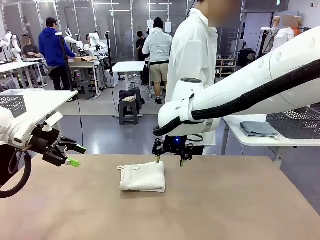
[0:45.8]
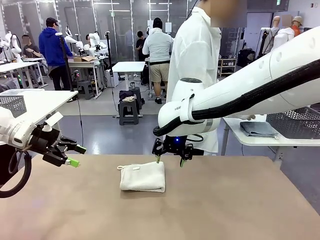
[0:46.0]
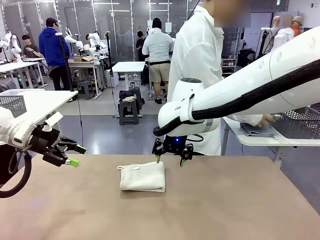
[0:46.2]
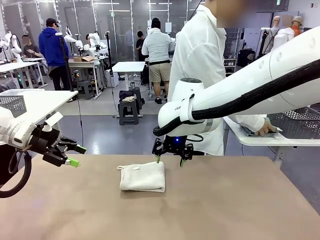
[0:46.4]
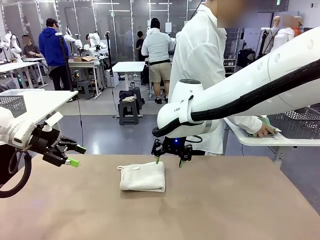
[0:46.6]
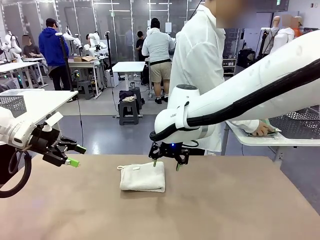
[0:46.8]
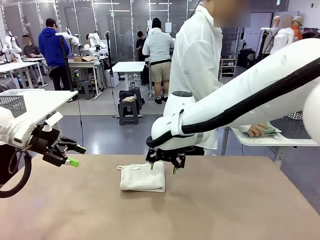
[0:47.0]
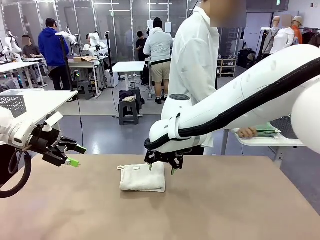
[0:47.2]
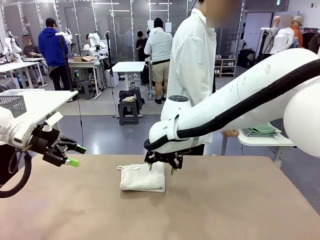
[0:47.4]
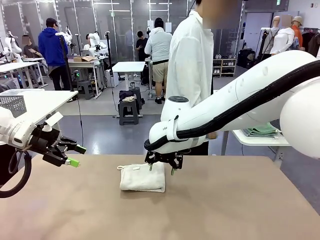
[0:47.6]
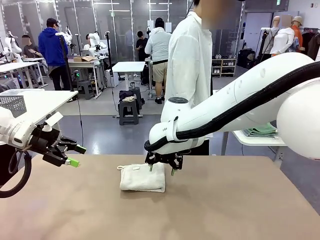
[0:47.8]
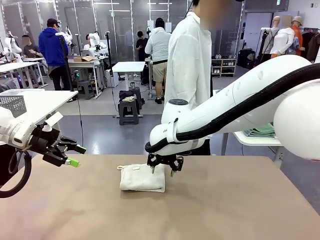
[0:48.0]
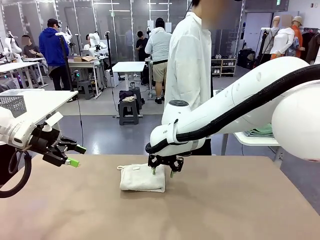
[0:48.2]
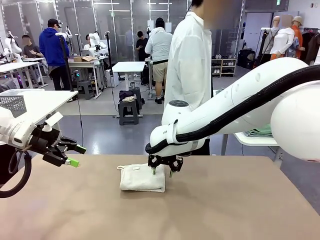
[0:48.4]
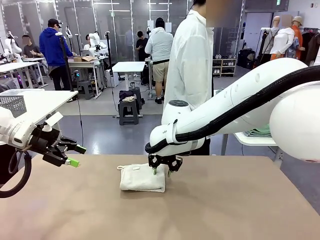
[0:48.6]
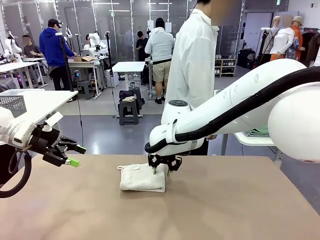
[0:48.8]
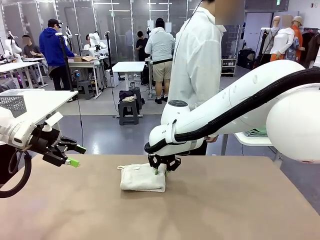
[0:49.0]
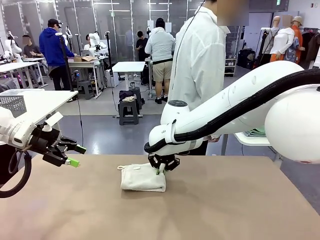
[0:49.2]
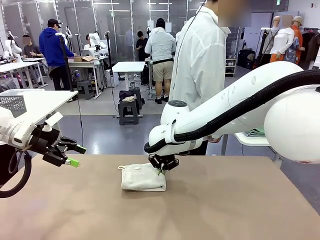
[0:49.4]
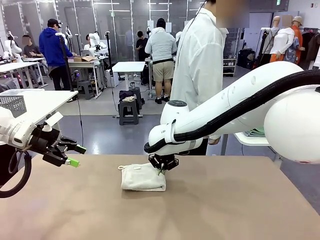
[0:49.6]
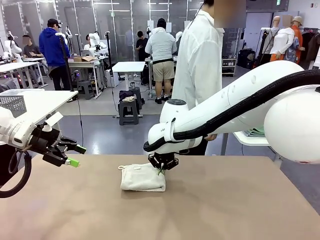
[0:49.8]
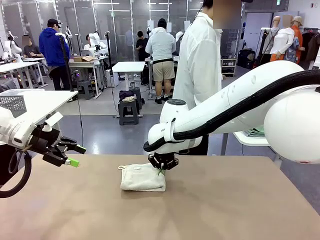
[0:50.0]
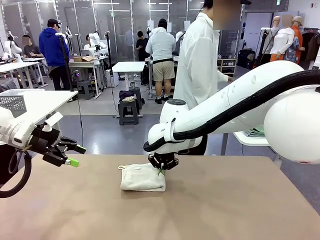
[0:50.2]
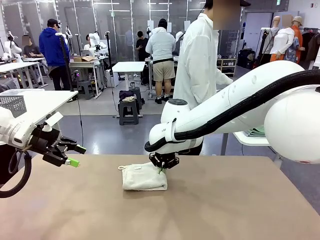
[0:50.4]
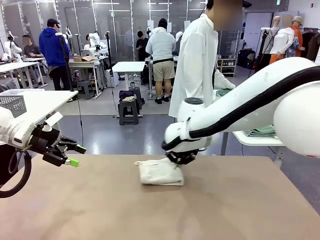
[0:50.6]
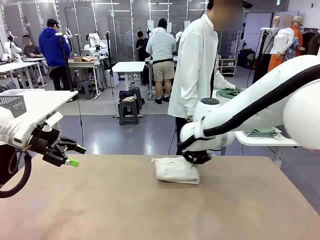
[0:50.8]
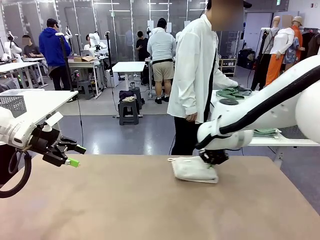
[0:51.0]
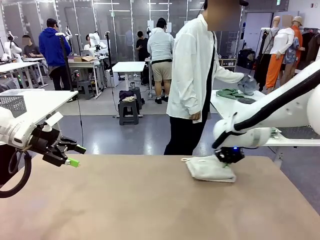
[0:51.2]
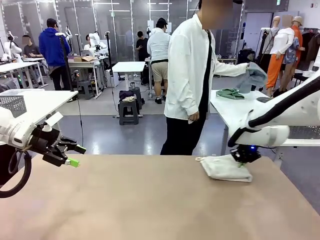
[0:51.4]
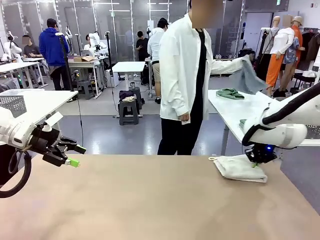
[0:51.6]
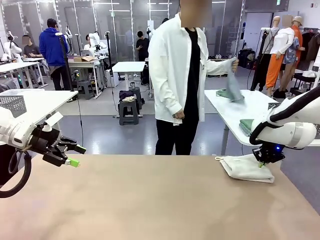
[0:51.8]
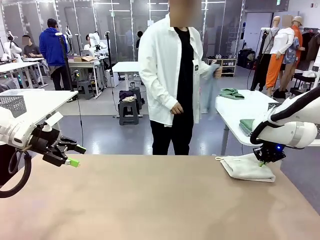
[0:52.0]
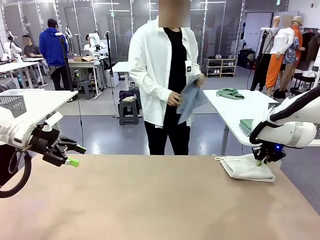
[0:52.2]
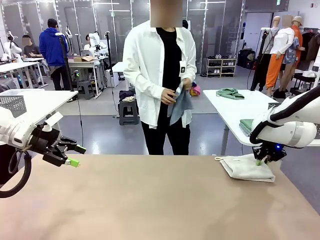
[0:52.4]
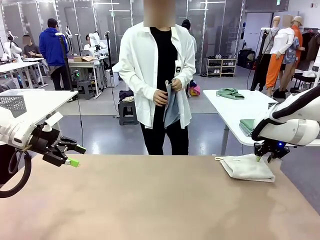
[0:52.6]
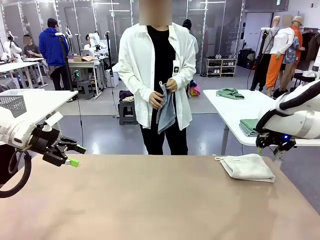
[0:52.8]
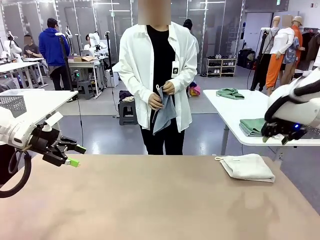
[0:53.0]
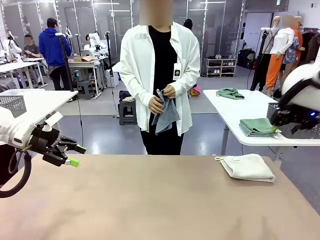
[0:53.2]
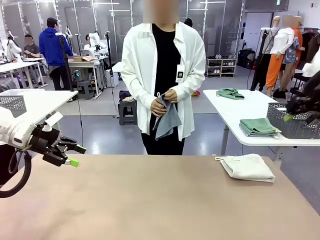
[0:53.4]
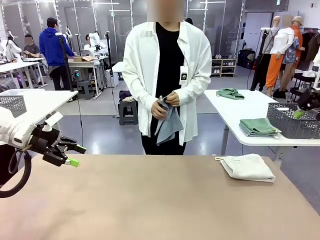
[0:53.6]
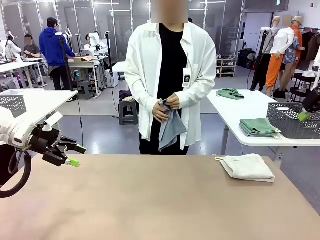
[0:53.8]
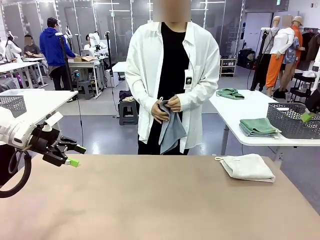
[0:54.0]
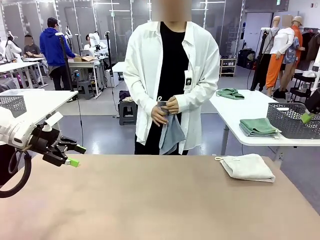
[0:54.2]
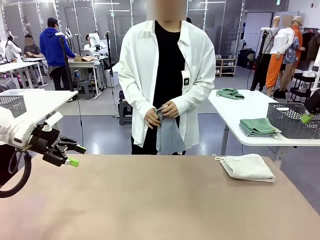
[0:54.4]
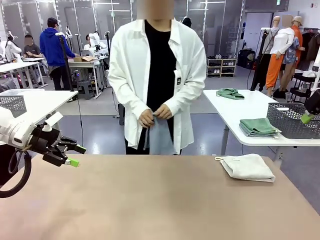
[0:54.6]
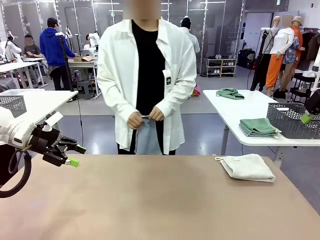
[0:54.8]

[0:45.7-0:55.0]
Task: Fold the towels and place them in the basket.
Robot: Place the folded Towel with hook on the right side of the table.
Person: Pick up one towel from the left side of the human table and spread it out at the center of the robot table.

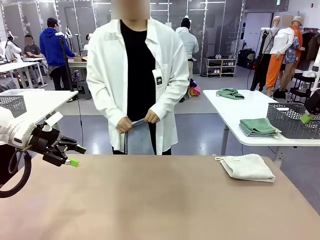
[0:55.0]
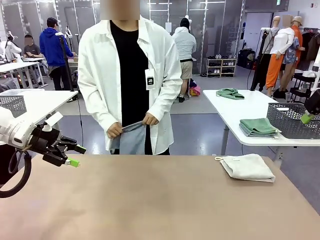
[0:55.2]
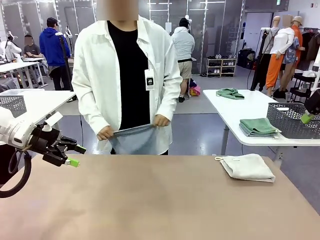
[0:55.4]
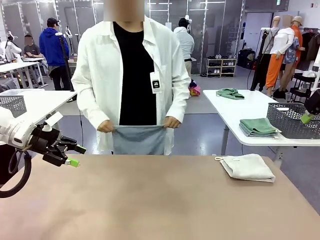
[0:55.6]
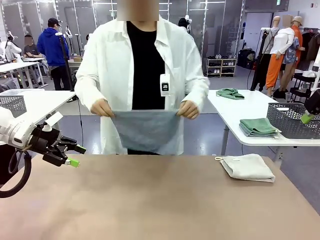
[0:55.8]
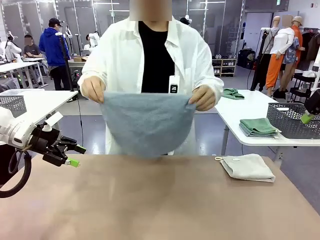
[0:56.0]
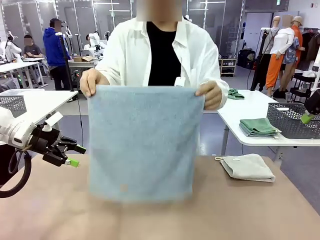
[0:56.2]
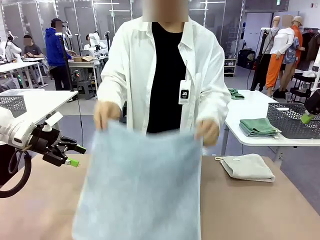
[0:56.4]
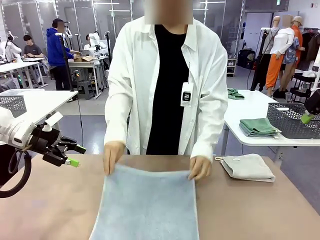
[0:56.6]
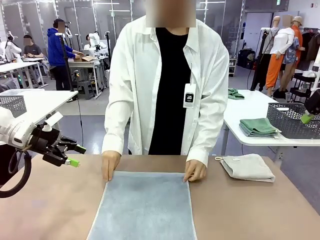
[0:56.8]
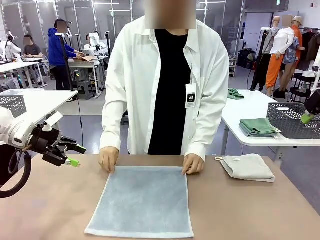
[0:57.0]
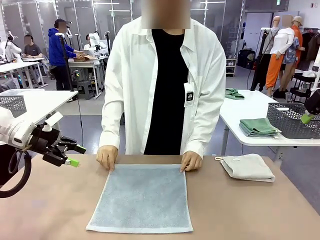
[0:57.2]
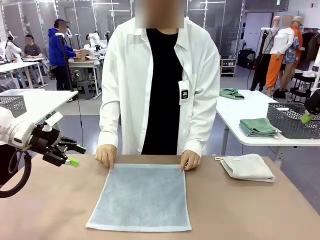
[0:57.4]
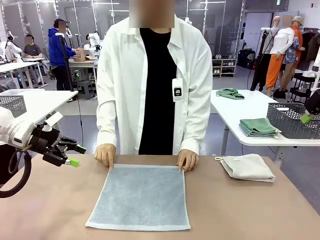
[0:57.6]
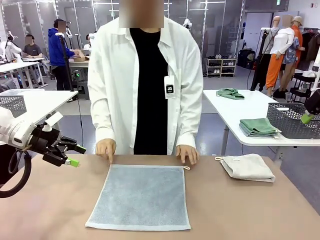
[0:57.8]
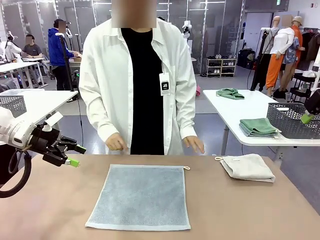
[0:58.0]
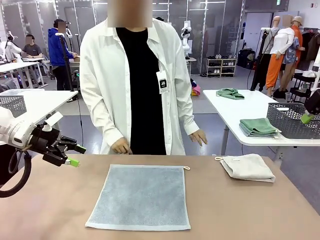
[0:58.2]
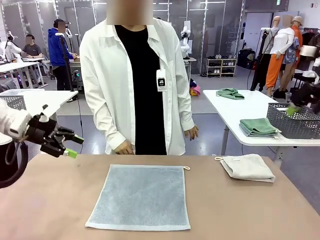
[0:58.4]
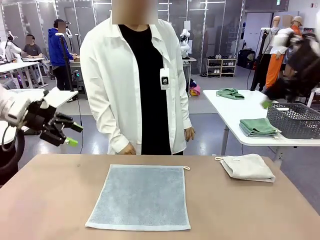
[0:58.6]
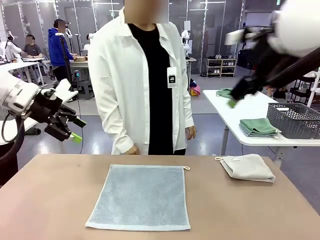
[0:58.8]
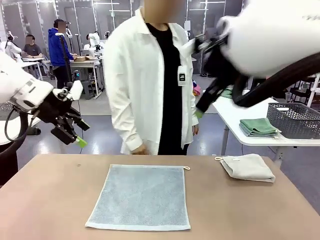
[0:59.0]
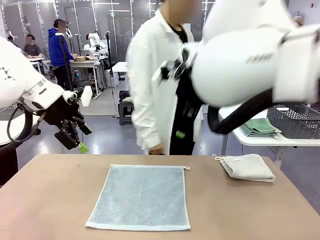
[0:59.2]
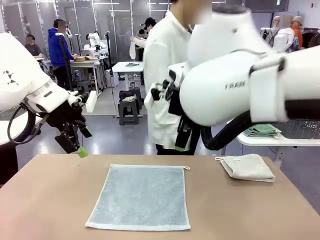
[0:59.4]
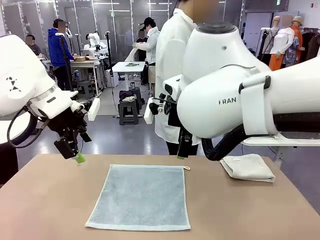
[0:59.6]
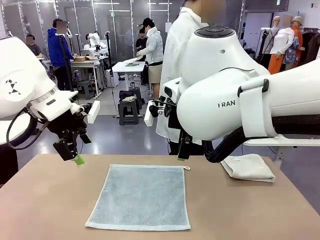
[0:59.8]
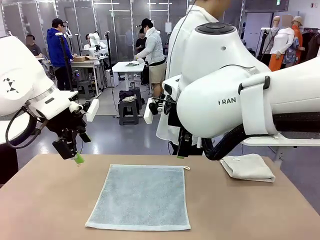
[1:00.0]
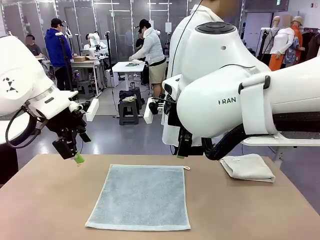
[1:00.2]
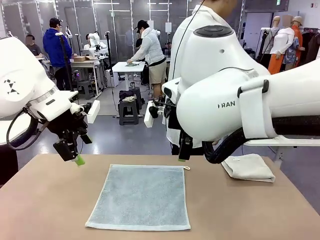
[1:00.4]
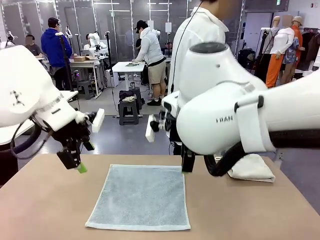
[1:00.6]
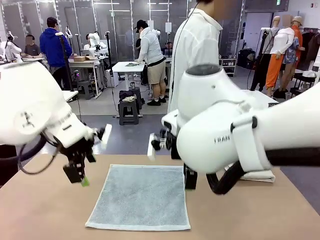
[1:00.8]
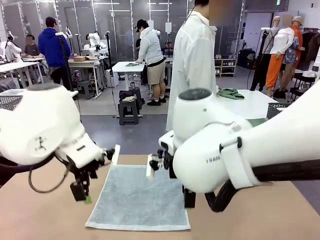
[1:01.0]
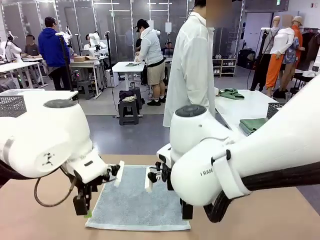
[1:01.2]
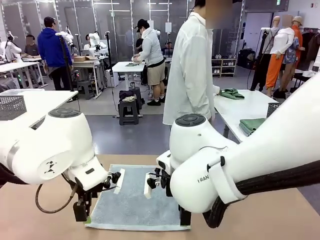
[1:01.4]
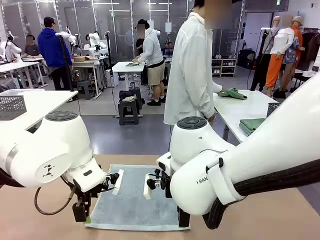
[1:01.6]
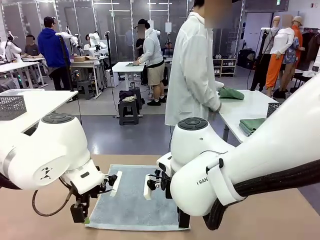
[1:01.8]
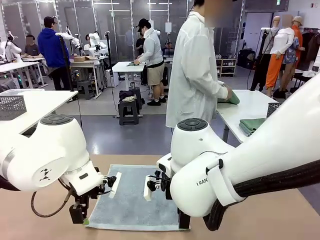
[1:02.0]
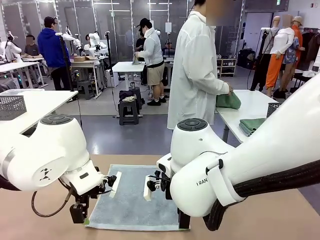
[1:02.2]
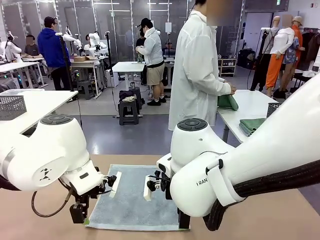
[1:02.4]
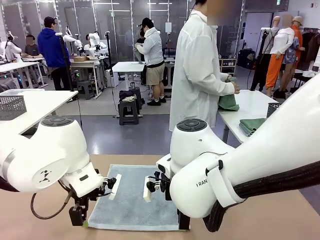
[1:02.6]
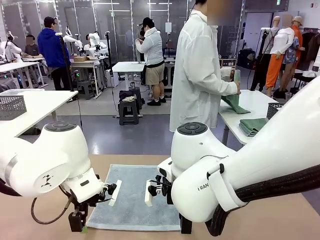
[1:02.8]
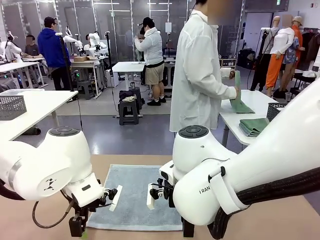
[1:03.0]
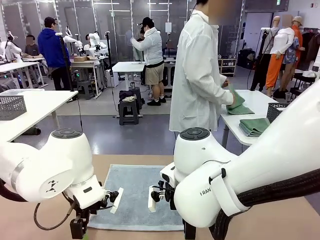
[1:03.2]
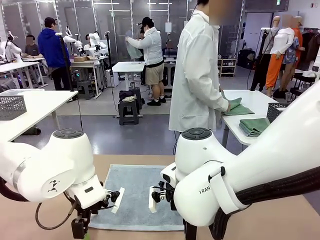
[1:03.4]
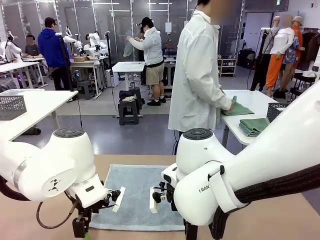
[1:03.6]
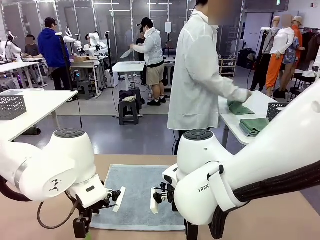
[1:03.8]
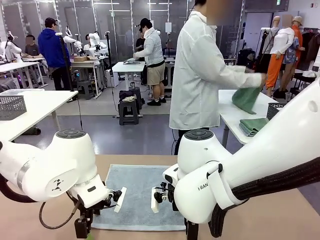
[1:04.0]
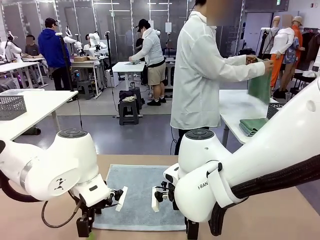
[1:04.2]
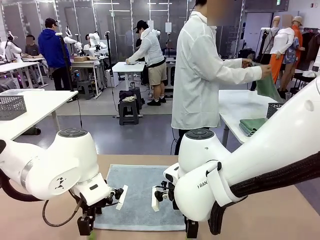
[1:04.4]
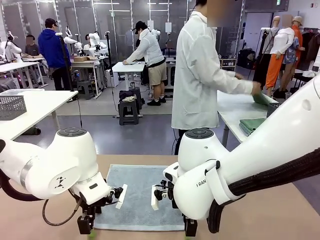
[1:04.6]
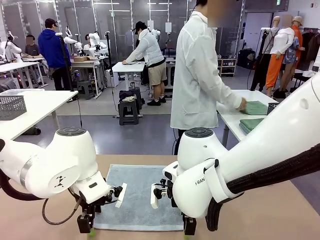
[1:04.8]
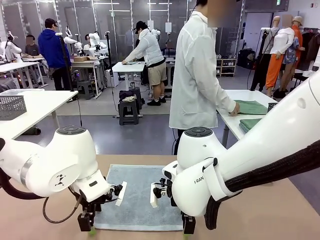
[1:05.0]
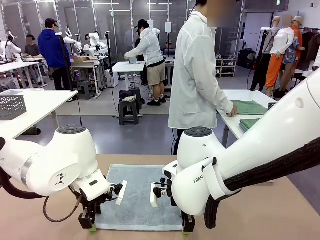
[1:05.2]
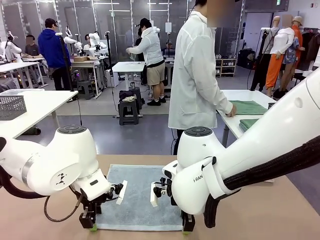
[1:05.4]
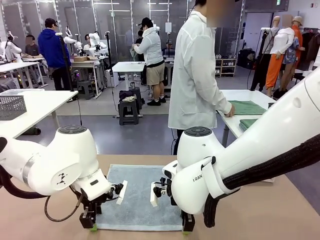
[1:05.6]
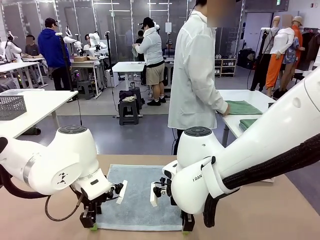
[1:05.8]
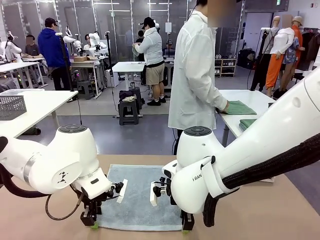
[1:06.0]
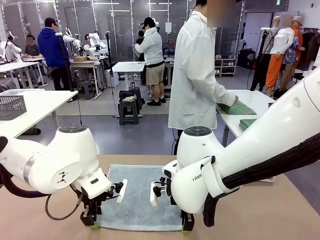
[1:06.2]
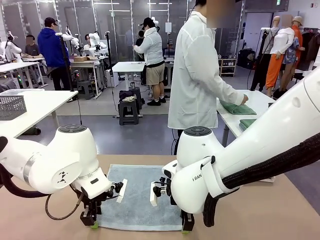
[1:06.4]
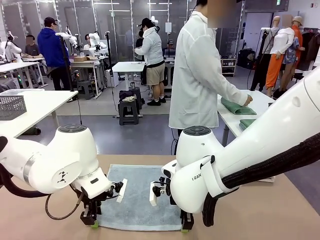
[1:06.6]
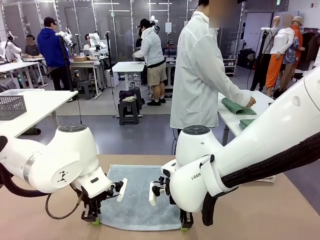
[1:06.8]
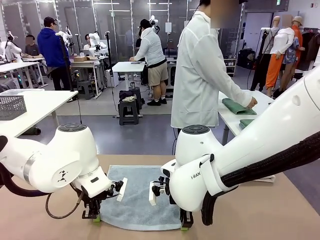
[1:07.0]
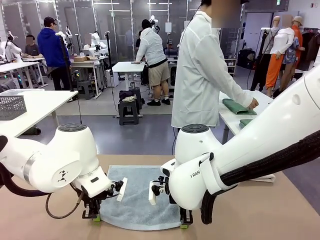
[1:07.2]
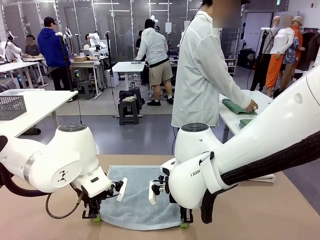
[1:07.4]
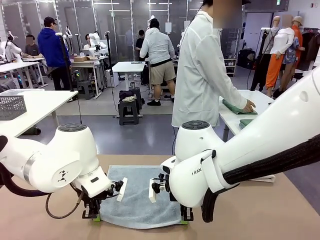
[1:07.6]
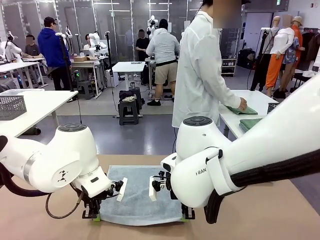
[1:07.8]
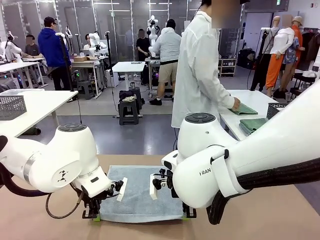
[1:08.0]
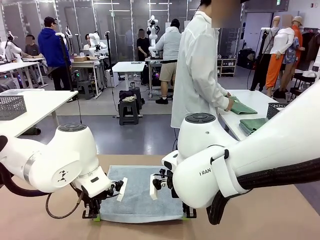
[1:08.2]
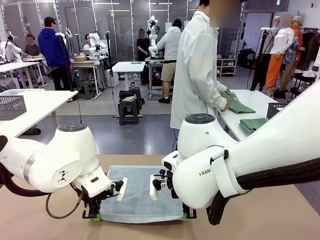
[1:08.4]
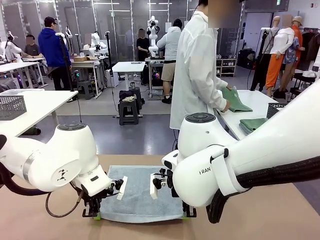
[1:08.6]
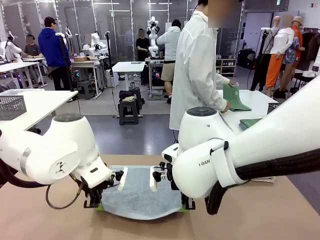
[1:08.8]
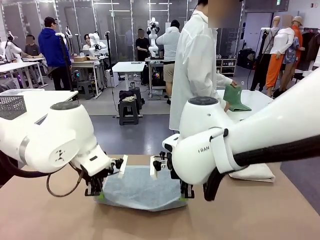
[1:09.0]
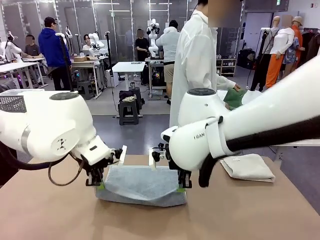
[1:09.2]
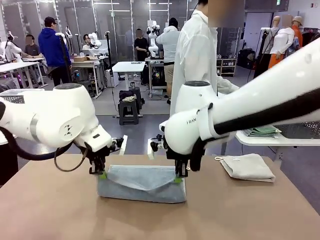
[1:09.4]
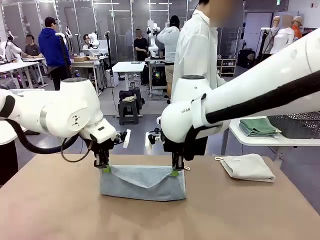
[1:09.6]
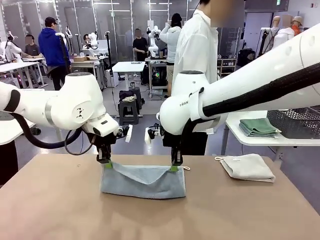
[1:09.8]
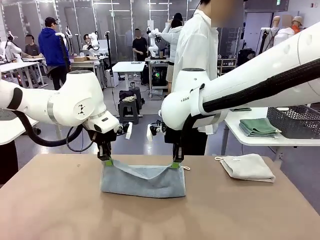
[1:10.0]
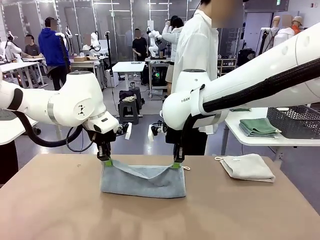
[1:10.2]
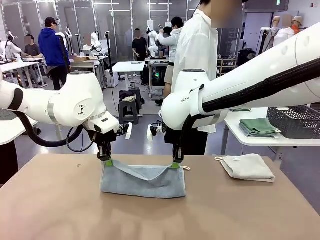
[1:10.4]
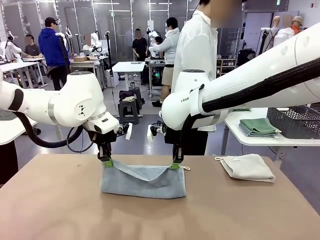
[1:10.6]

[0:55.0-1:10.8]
Robot: When a person lays out a Towel with hook on the table, fold it in half twice.
Person: Pick up one towel from the left side of the human table, fold it in half twice, and stack it on the right side of the table.
